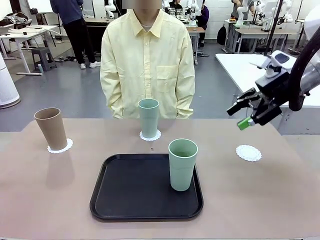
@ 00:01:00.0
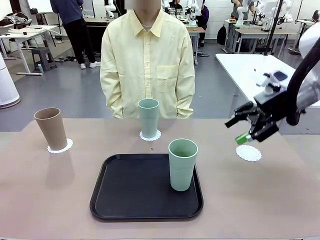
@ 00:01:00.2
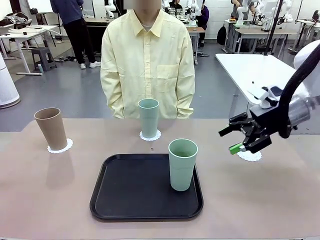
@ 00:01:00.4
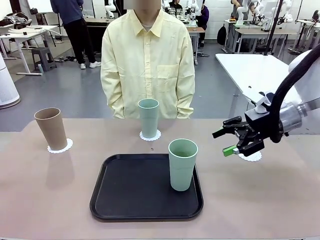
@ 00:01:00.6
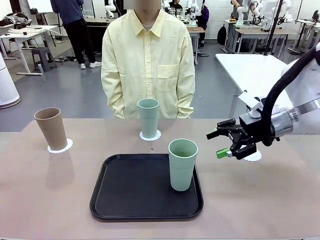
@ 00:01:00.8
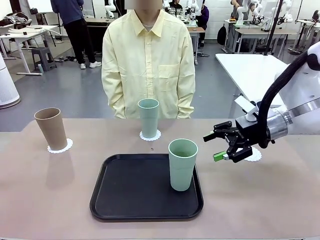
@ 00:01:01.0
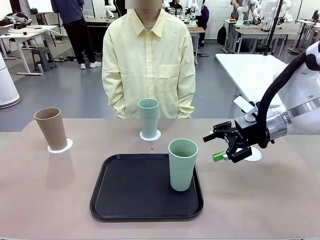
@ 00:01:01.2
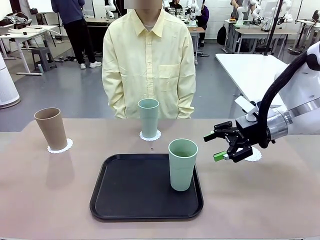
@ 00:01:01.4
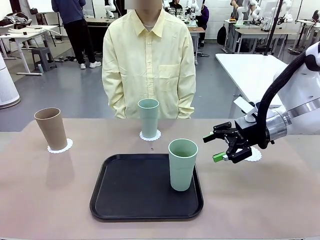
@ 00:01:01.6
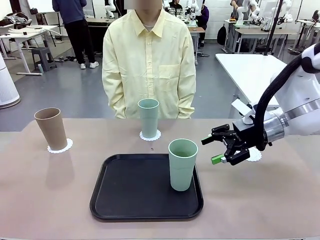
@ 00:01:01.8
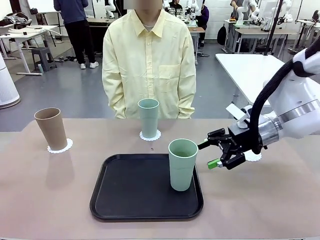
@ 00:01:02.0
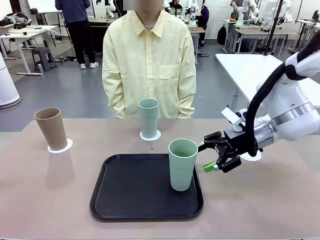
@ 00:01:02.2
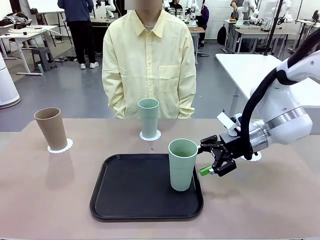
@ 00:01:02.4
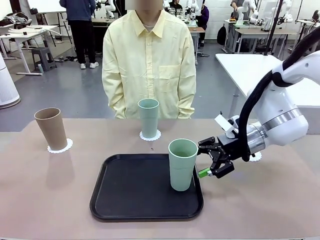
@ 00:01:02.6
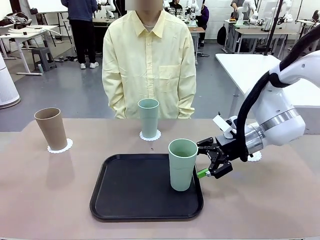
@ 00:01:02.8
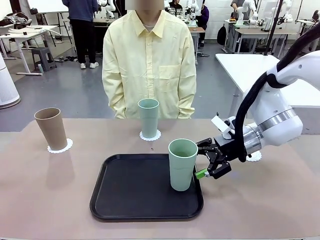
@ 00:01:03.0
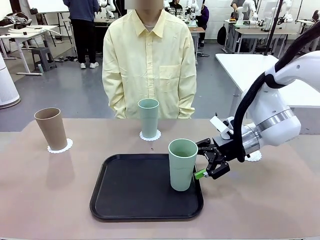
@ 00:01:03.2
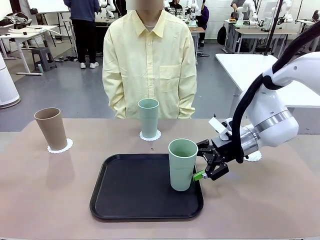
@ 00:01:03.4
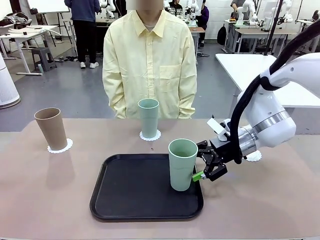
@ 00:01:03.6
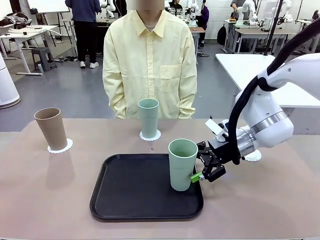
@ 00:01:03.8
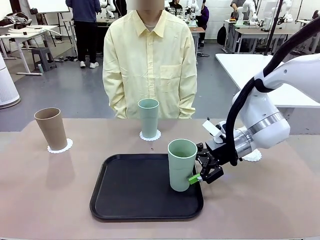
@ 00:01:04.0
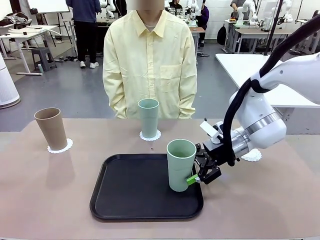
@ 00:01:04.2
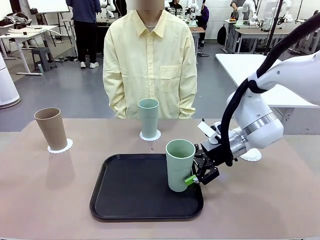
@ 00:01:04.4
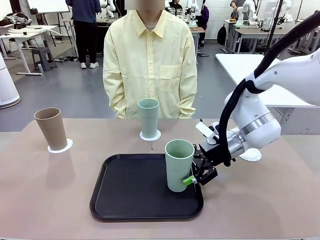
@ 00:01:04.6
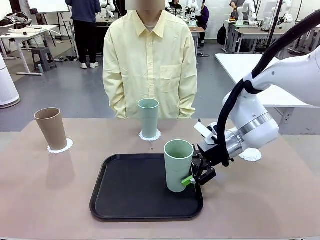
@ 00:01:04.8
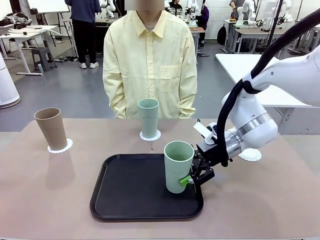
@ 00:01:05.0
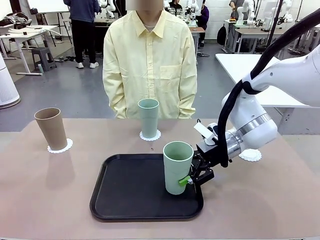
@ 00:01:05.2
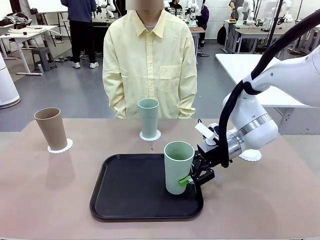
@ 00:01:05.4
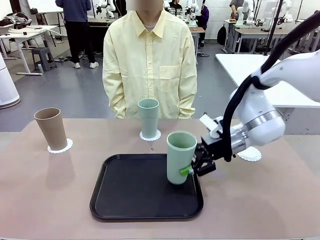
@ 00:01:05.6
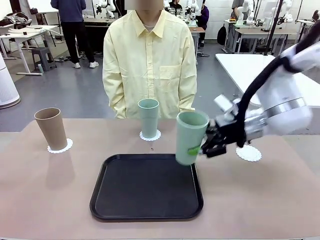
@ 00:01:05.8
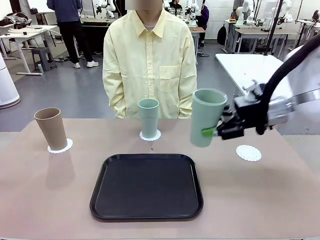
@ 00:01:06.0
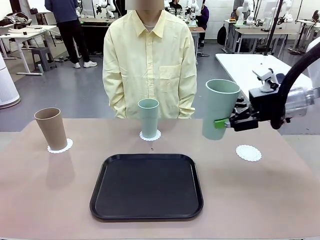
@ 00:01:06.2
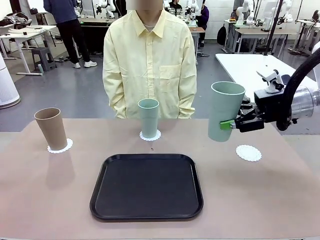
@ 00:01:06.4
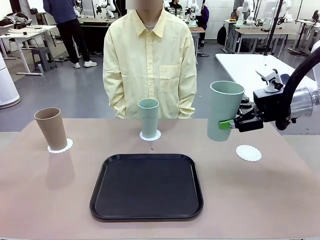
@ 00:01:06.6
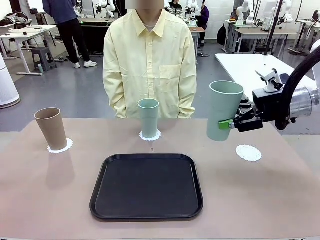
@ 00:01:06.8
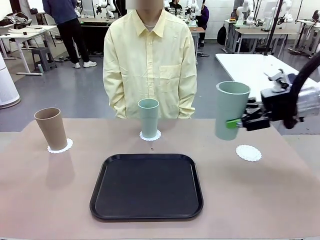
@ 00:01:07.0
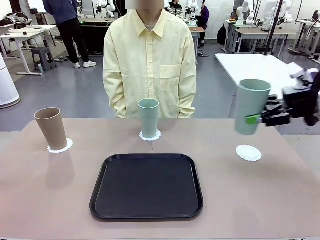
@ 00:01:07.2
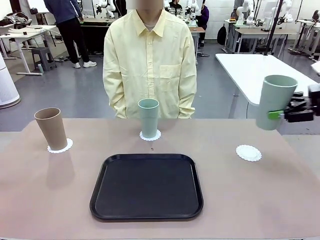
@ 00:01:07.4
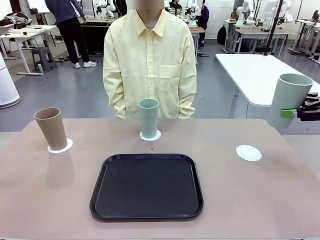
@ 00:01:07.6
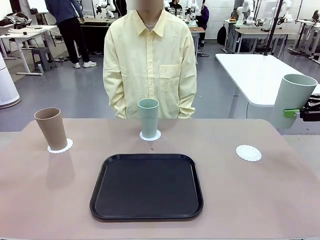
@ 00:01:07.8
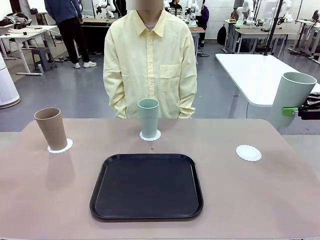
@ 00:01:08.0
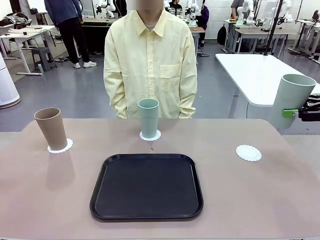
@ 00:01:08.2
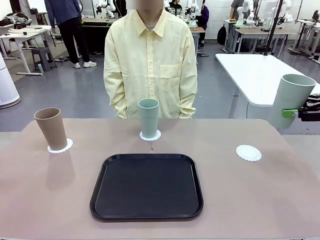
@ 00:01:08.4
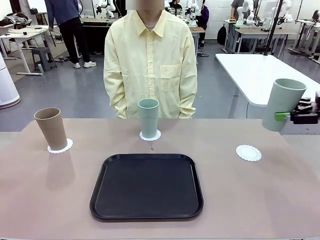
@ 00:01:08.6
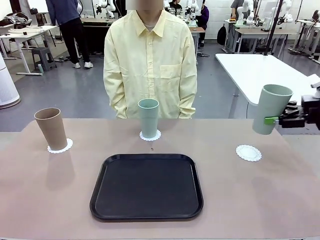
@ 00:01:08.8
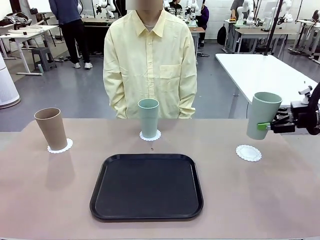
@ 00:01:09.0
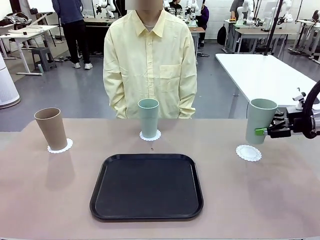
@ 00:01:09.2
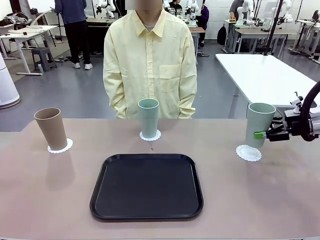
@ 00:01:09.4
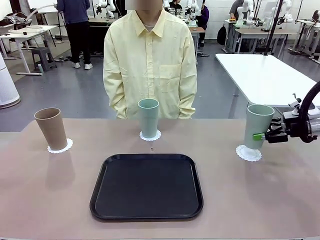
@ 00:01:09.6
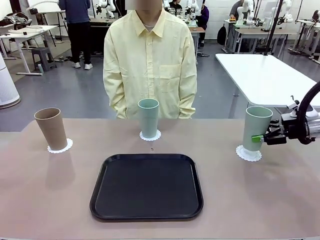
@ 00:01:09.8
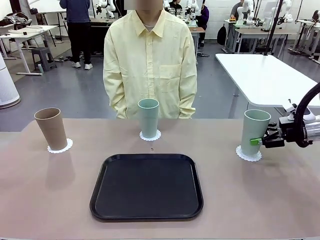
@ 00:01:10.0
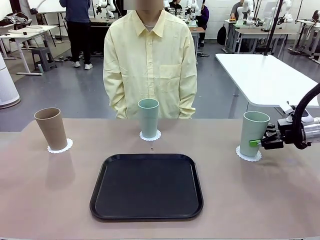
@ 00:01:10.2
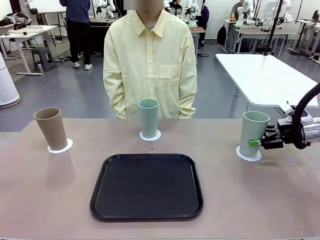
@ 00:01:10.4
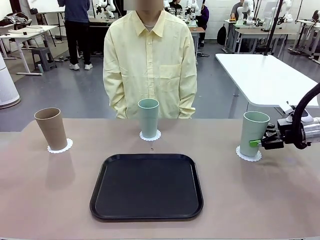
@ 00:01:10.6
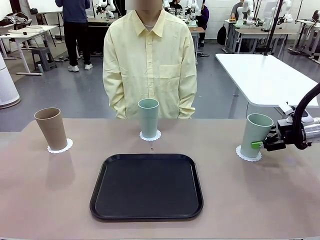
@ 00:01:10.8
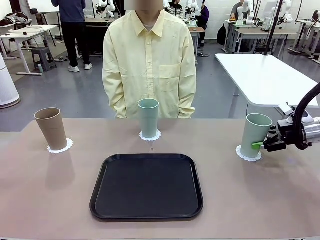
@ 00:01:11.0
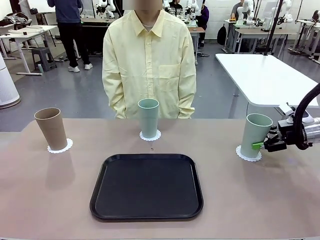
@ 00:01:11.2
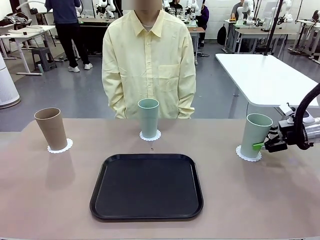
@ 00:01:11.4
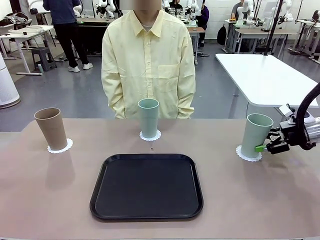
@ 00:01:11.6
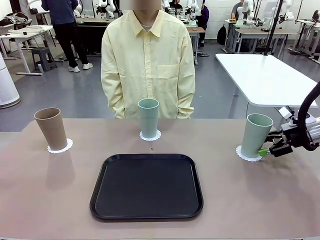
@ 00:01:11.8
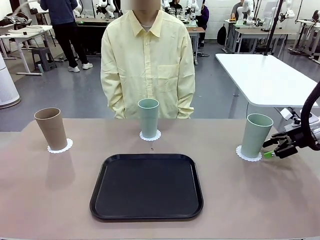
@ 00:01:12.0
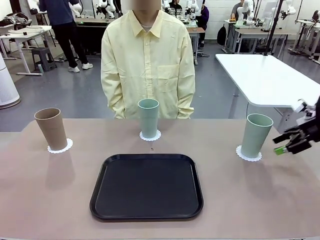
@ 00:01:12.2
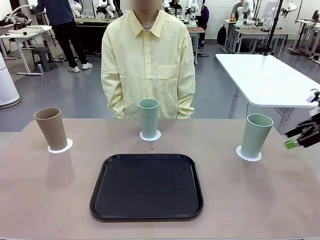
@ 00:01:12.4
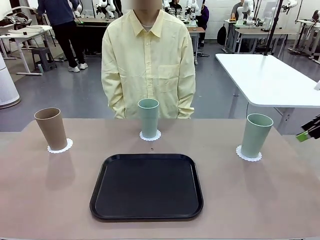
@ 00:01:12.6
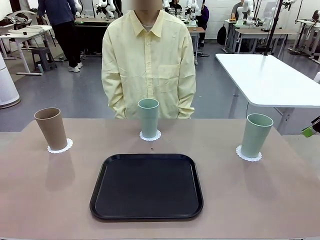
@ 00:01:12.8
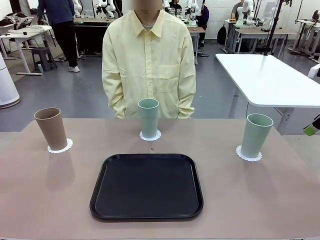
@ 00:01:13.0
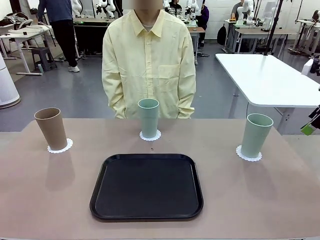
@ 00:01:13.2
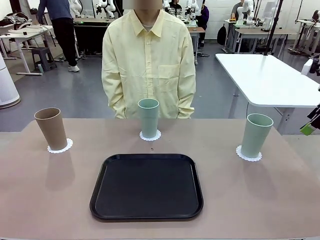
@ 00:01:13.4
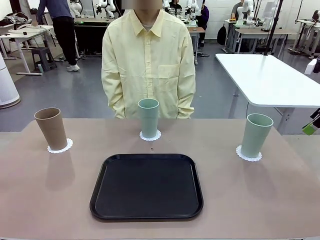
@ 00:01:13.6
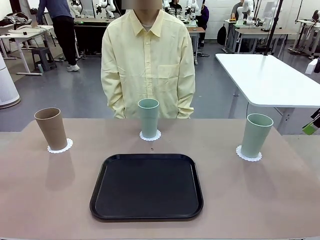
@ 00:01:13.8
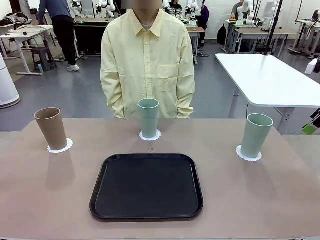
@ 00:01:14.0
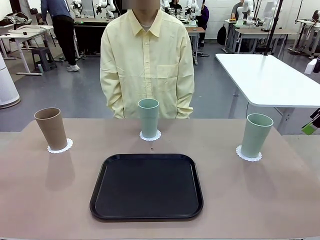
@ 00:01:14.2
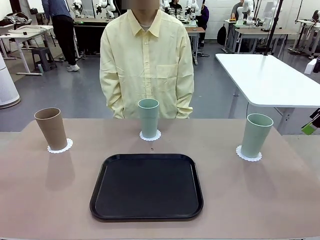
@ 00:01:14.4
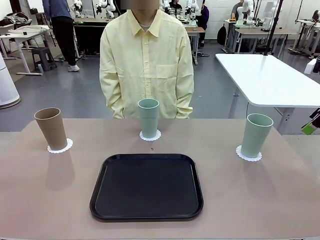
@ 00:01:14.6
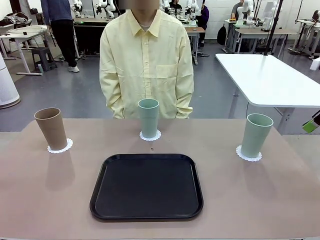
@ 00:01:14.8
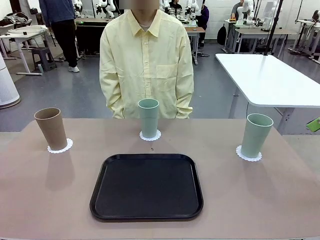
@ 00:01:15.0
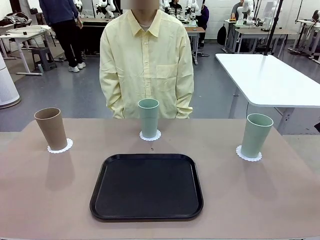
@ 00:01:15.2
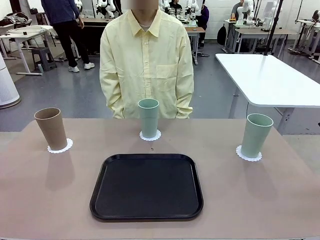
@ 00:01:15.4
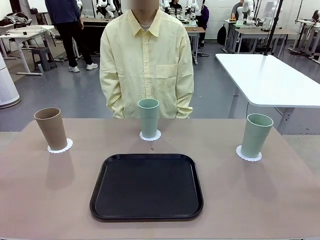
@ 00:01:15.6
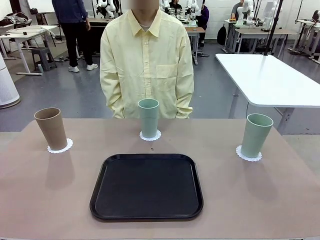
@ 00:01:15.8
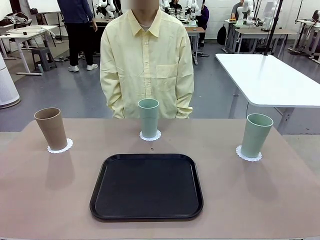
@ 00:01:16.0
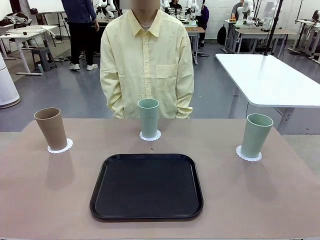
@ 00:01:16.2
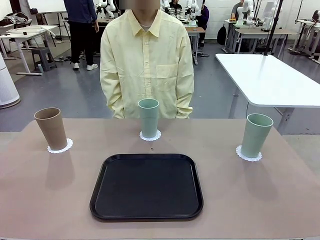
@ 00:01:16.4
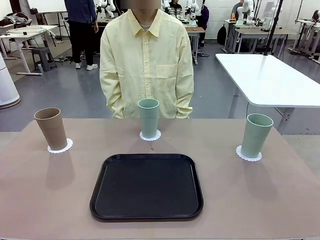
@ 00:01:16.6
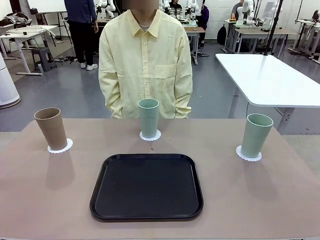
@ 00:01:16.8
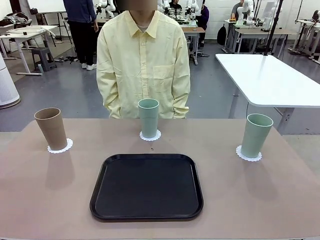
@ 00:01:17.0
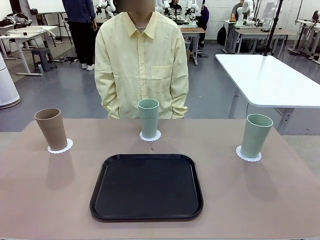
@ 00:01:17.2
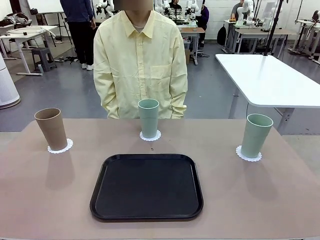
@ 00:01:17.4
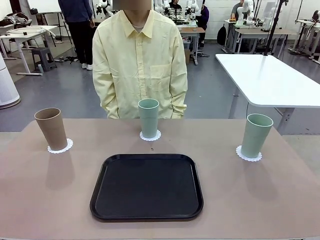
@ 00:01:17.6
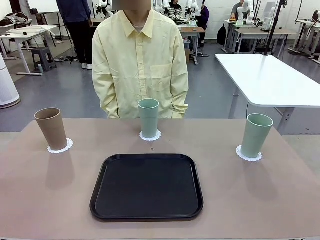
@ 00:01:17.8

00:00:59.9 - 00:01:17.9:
Task: Place coasters on the table and set cups on them.
Robot: Take one Reusable plastic cup from the Flat Tray and place it on a coaster set by the human.
